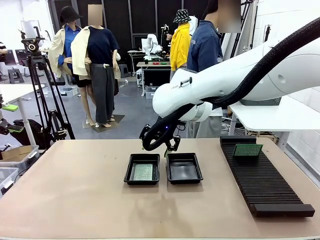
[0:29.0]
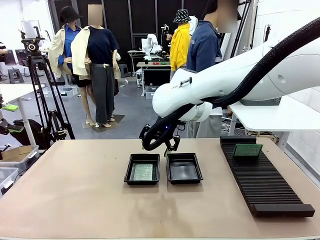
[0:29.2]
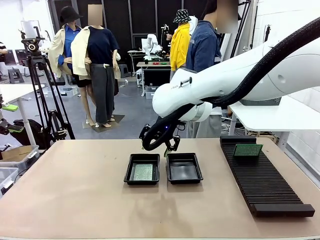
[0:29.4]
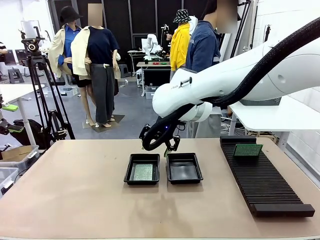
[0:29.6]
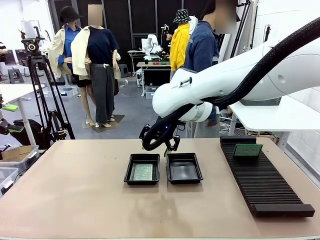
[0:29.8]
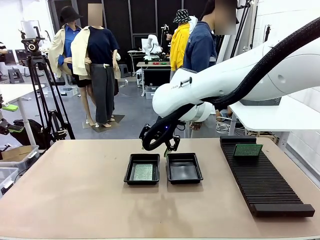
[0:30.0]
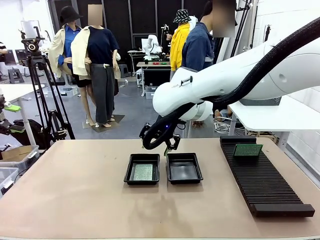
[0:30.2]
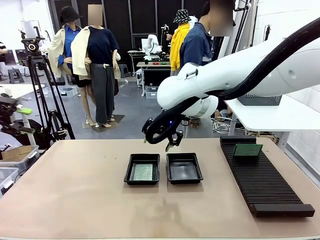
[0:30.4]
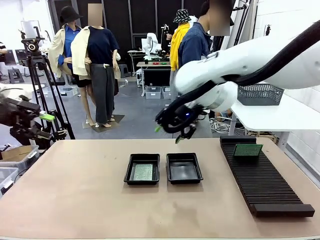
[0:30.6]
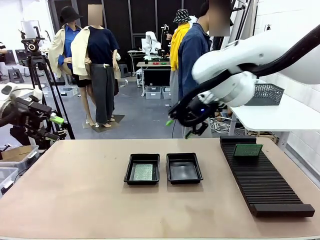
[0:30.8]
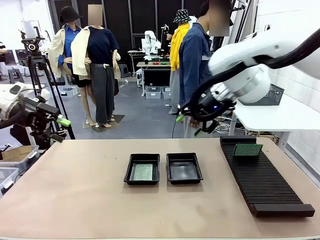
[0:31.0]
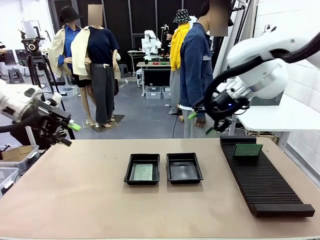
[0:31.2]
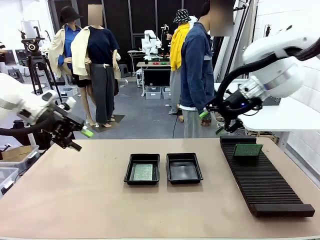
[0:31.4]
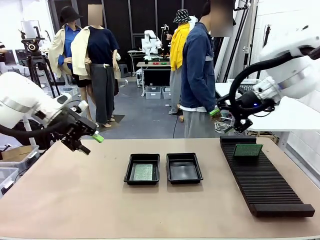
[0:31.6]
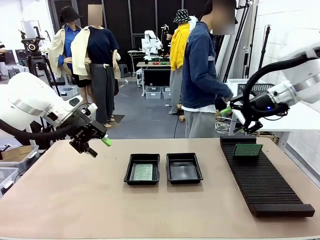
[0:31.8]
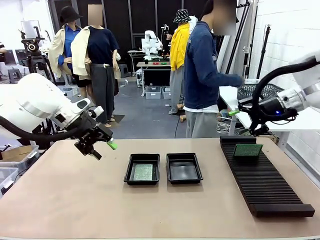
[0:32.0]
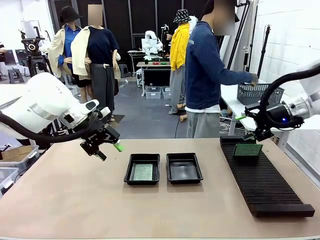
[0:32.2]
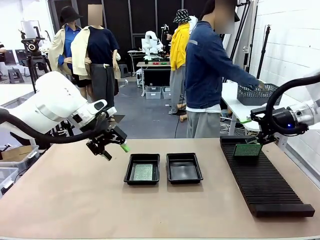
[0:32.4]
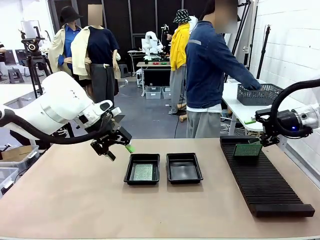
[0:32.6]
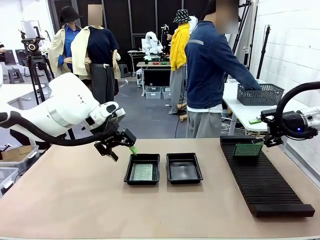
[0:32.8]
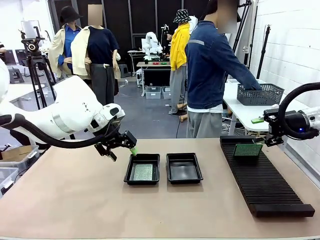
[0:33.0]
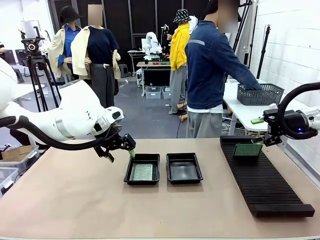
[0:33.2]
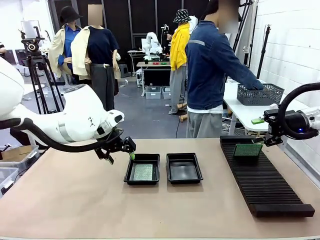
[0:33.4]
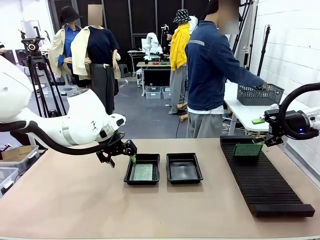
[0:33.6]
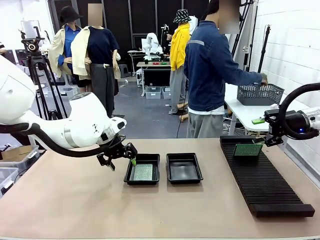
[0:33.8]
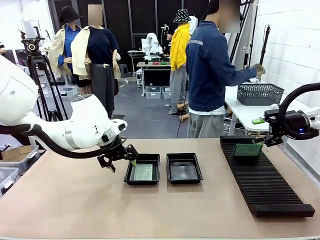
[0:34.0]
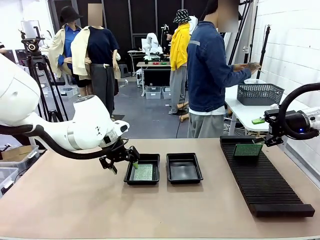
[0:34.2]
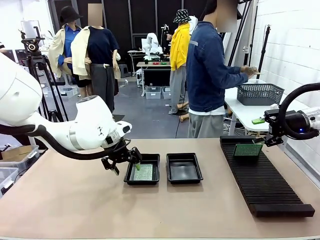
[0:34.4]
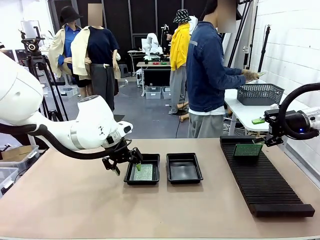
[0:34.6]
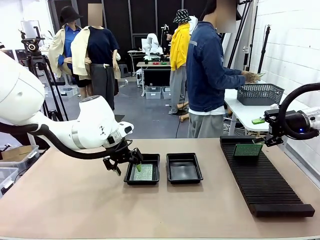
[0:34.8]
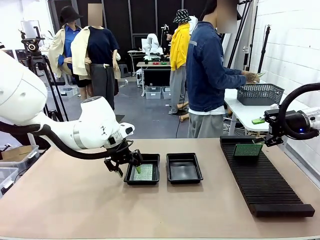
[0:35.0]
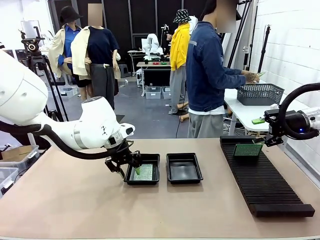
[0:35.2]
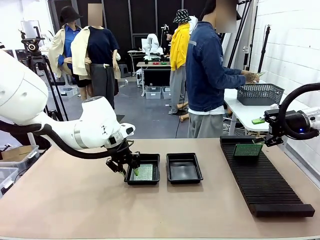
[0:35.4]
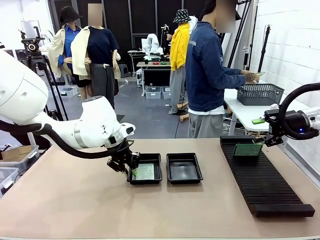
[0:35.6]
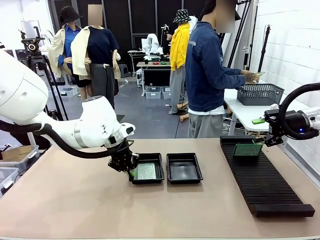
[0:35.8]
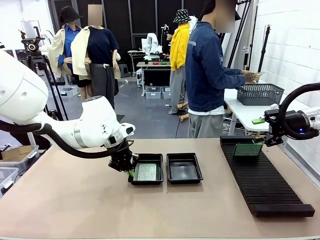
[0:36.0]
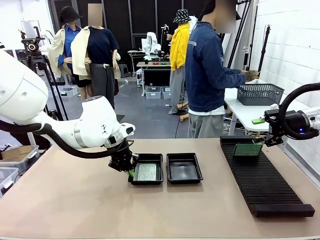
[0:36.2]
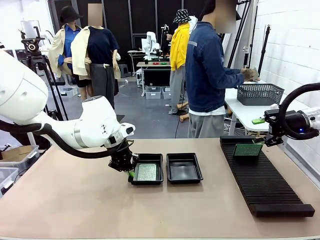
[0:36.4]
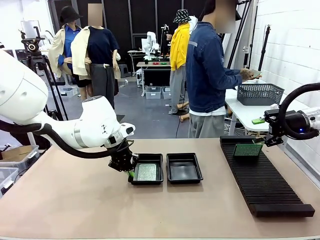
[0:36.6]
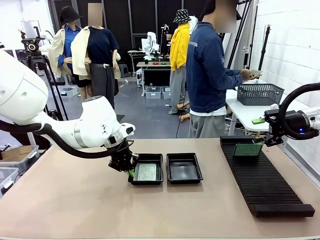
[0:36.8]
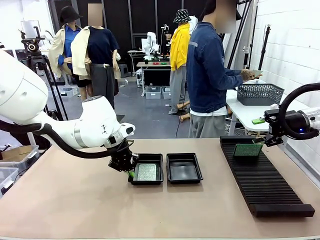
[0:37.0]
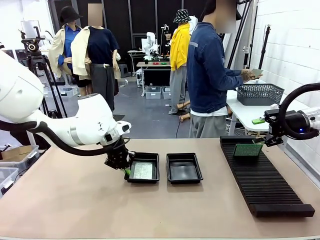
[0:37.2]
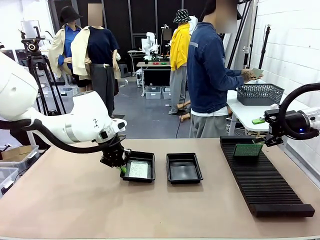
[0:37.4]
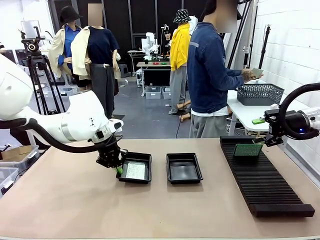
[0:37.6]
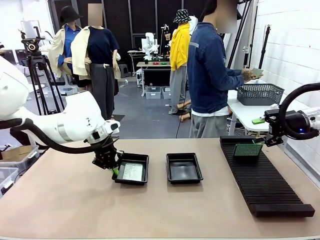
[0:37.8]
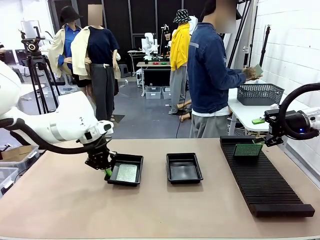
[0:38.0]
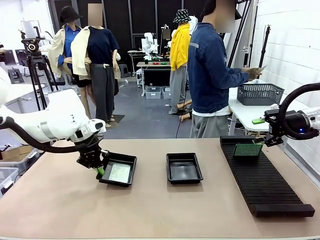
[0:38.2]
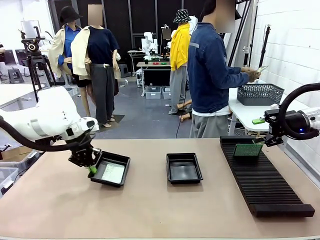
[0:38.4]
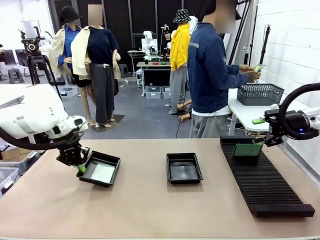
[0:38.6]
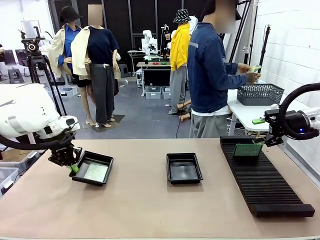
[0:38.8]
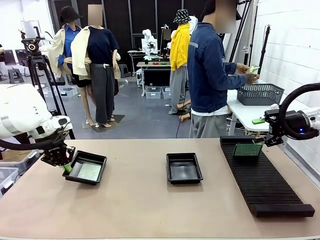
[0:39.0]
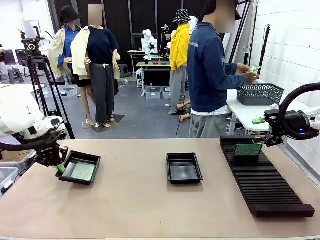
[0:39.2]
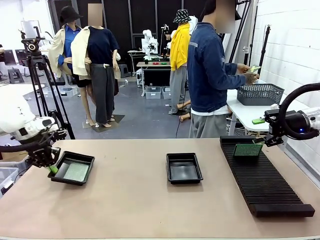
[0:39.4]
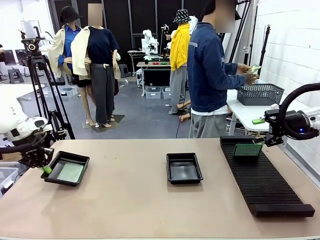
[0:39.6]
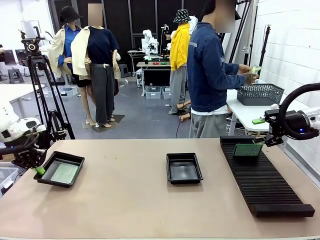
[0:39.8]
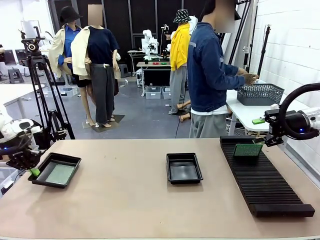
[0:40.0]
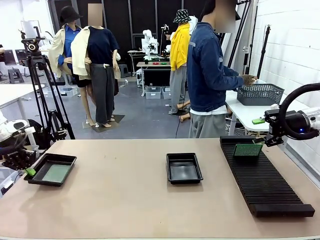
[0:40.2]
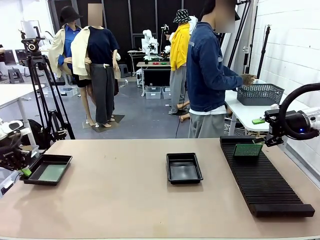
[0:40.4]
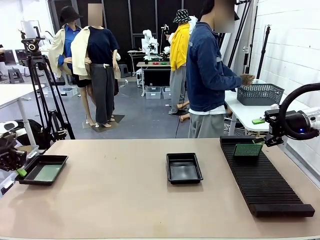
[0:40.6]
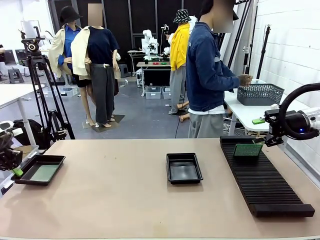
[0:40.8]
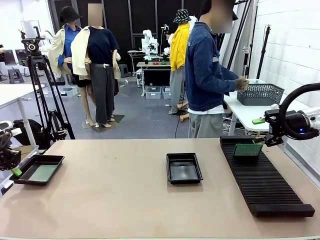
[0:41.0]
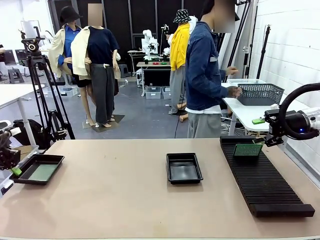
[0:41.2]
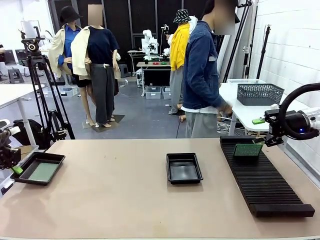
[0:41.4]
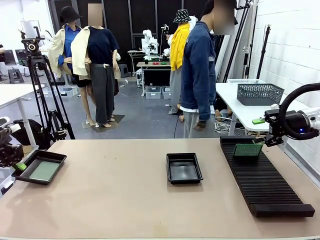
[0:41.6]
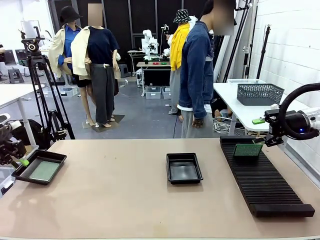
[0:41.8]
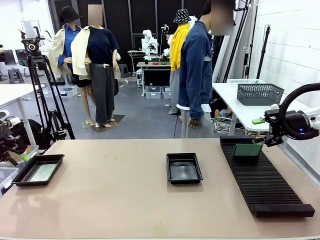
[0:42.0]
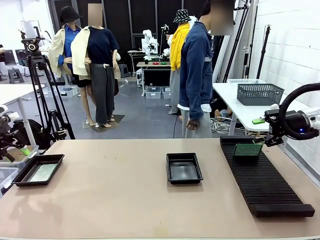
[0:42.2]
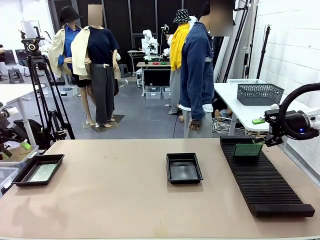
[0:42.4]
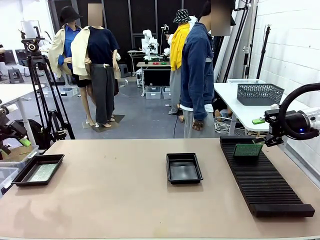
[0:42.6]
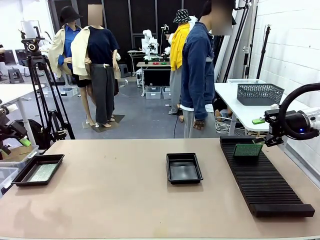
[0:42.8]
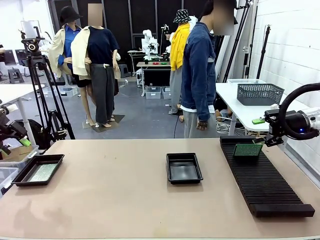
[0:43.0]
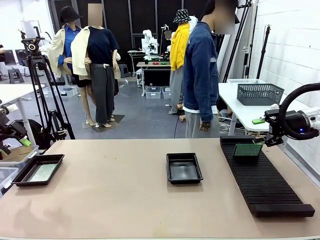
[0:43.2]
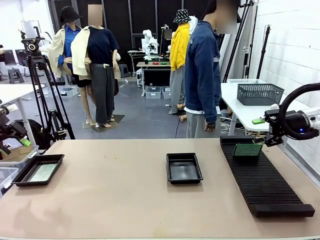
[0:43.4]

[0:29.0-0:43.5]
Task: Inspect and transfer BCBs to ESD trays.
Robot: Pick up the ESD tray and place it on the left side of the table.
